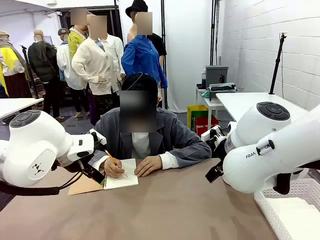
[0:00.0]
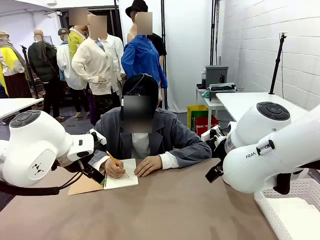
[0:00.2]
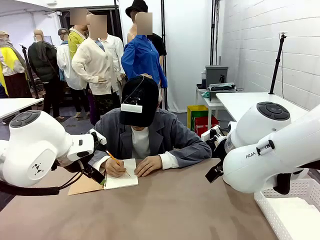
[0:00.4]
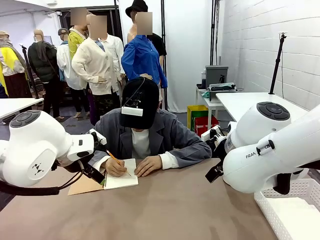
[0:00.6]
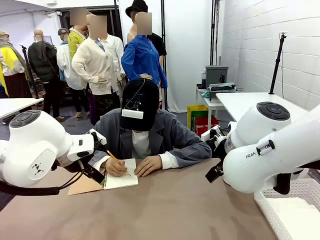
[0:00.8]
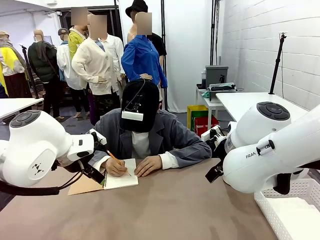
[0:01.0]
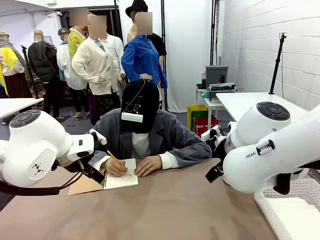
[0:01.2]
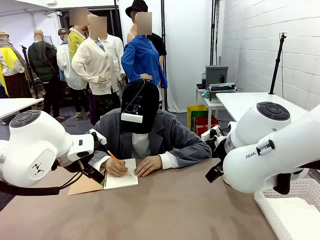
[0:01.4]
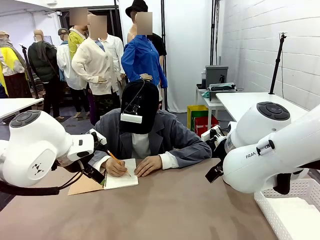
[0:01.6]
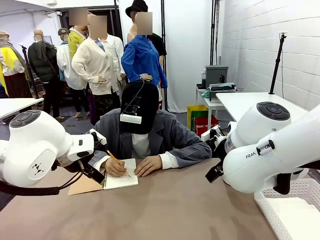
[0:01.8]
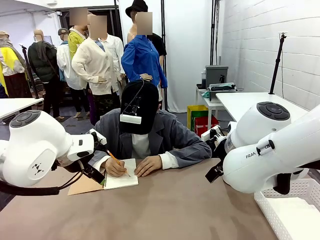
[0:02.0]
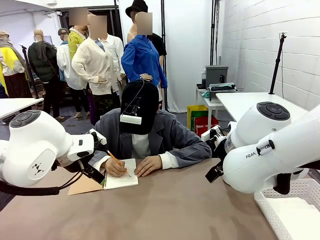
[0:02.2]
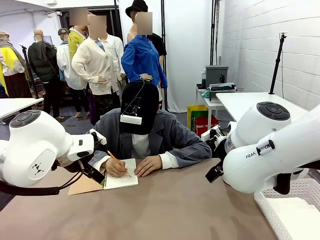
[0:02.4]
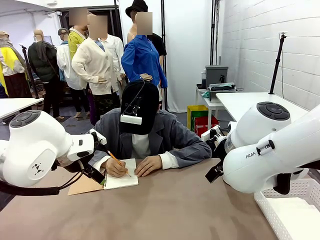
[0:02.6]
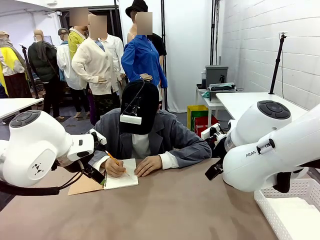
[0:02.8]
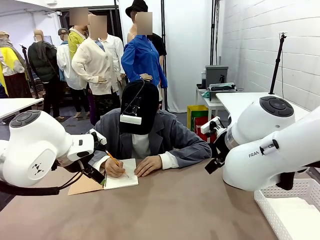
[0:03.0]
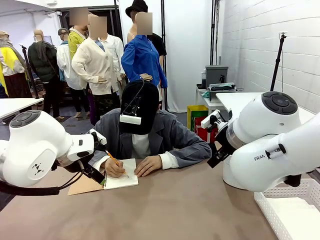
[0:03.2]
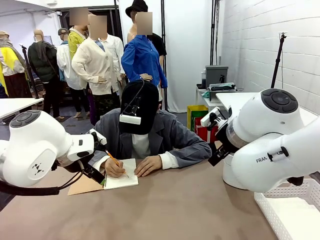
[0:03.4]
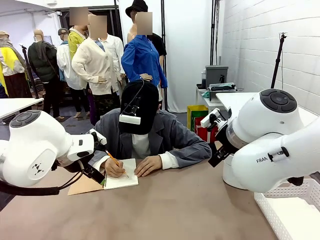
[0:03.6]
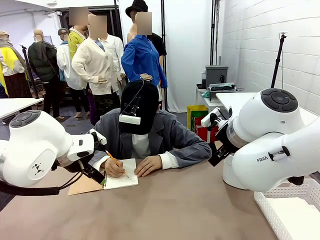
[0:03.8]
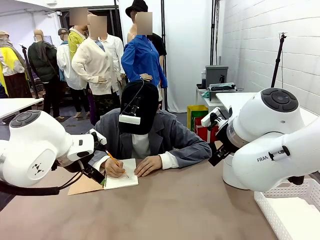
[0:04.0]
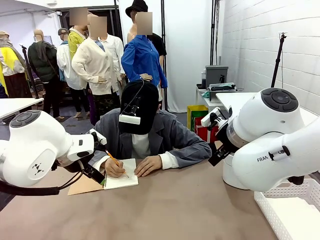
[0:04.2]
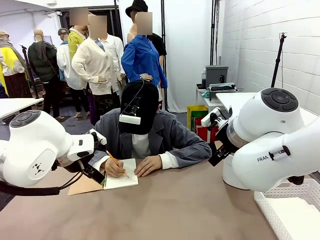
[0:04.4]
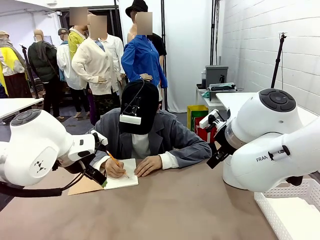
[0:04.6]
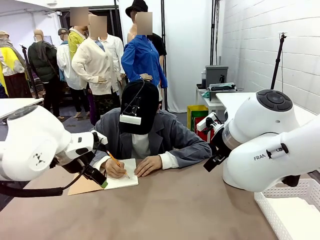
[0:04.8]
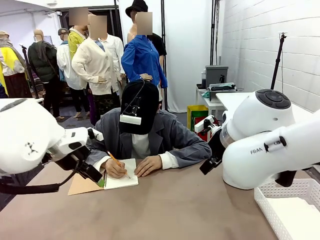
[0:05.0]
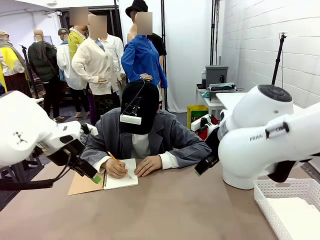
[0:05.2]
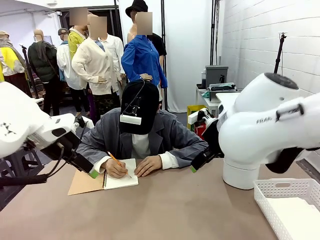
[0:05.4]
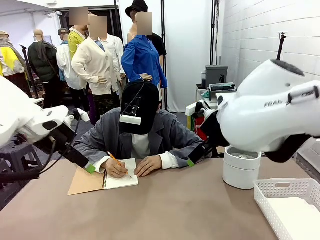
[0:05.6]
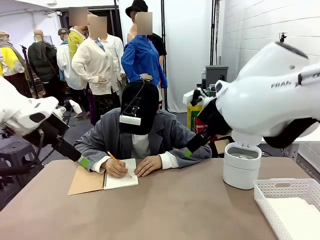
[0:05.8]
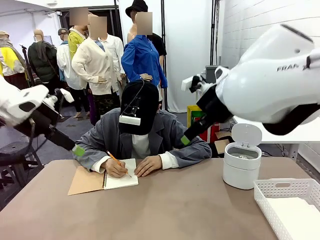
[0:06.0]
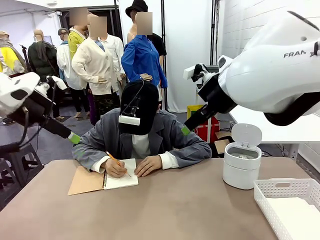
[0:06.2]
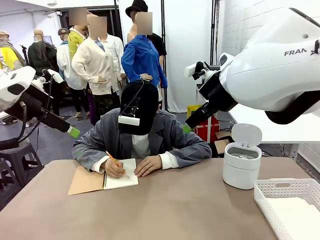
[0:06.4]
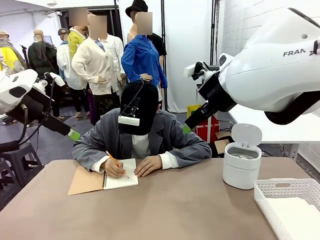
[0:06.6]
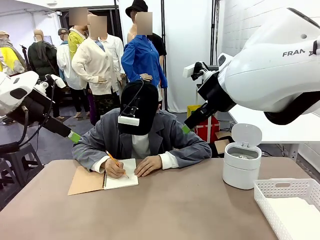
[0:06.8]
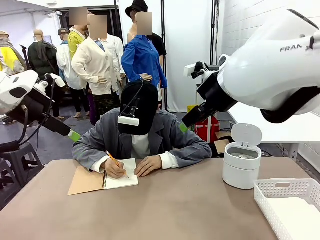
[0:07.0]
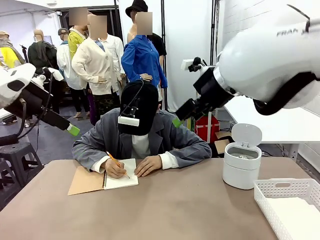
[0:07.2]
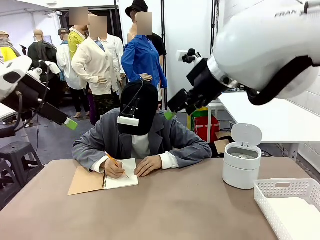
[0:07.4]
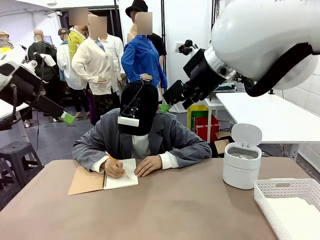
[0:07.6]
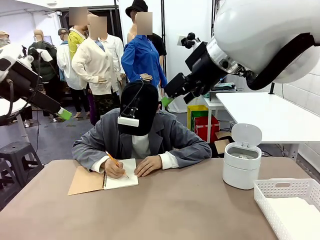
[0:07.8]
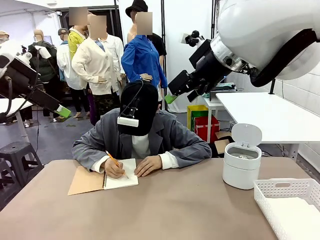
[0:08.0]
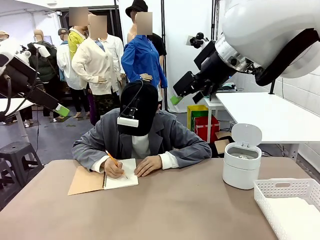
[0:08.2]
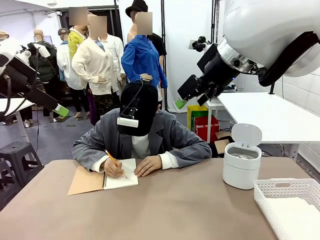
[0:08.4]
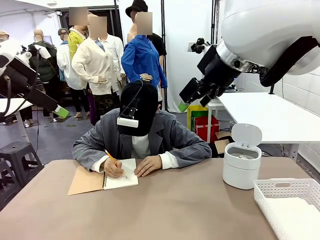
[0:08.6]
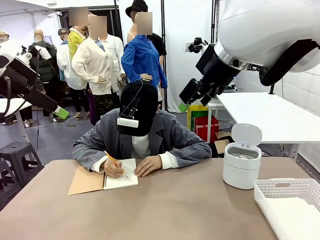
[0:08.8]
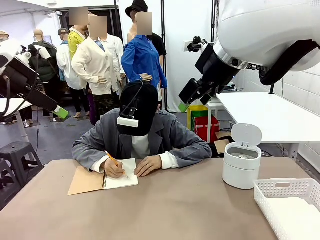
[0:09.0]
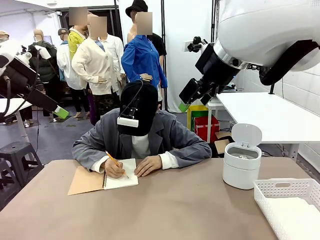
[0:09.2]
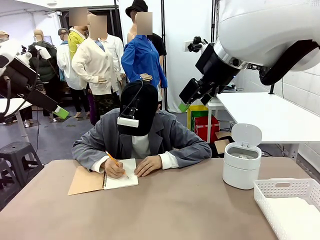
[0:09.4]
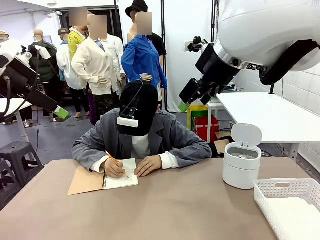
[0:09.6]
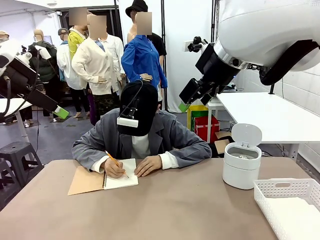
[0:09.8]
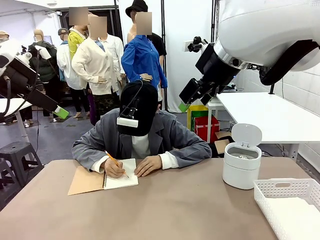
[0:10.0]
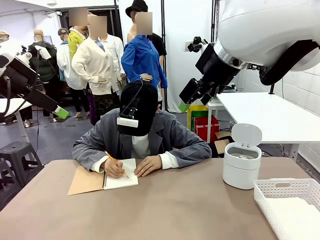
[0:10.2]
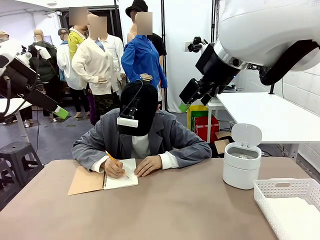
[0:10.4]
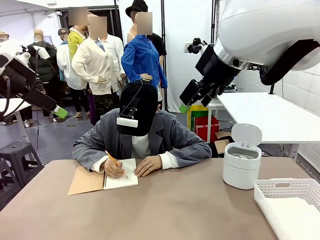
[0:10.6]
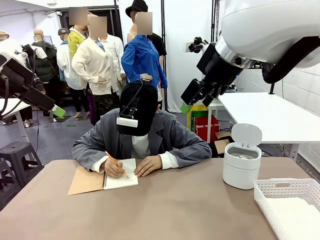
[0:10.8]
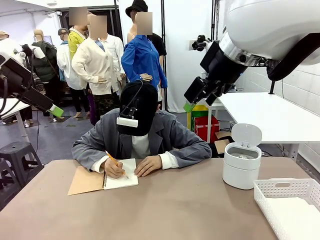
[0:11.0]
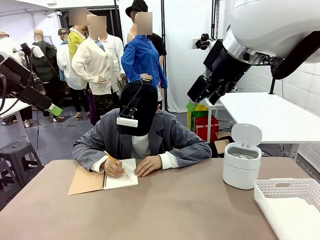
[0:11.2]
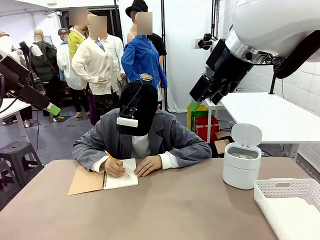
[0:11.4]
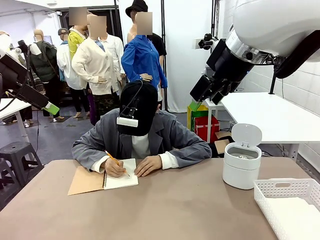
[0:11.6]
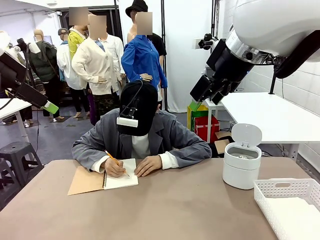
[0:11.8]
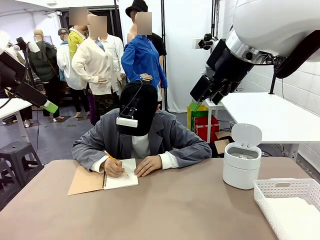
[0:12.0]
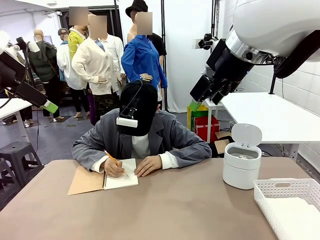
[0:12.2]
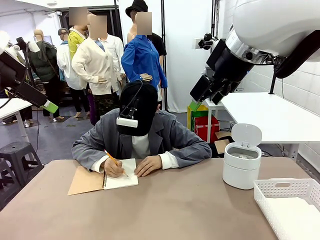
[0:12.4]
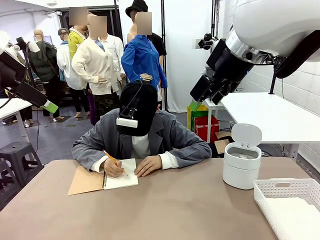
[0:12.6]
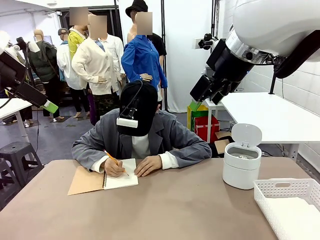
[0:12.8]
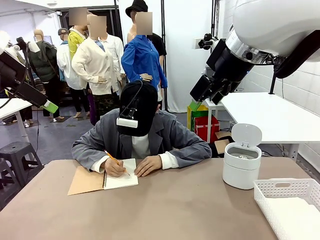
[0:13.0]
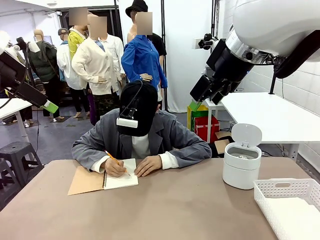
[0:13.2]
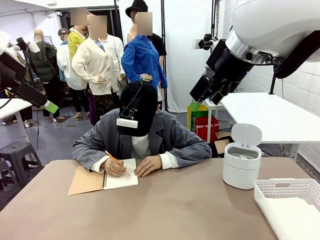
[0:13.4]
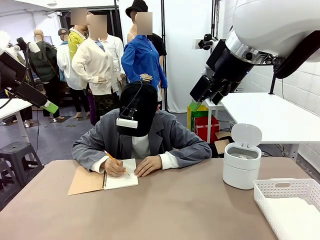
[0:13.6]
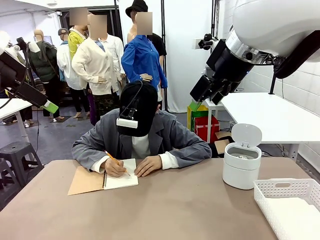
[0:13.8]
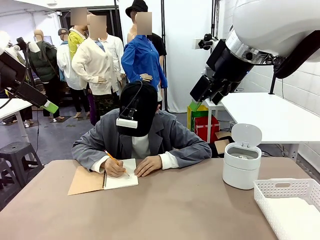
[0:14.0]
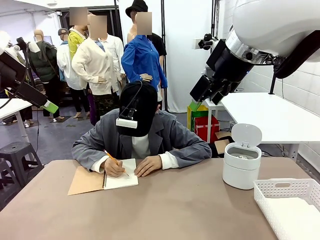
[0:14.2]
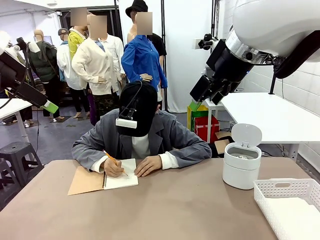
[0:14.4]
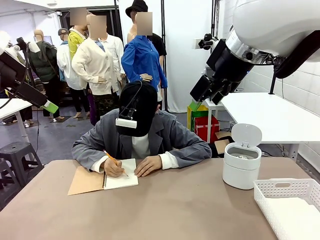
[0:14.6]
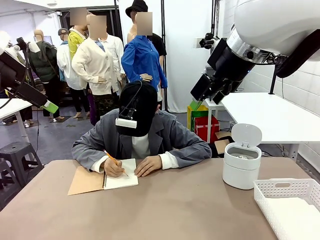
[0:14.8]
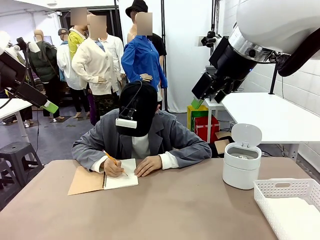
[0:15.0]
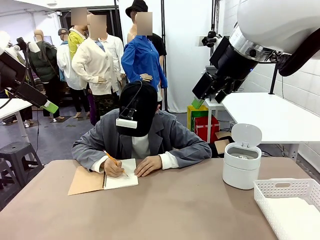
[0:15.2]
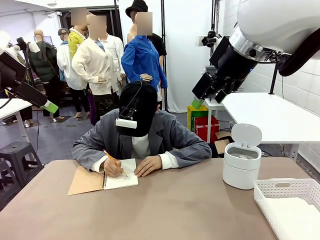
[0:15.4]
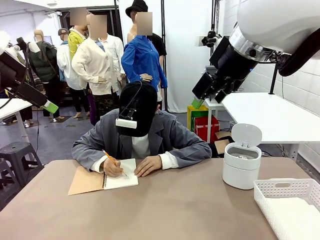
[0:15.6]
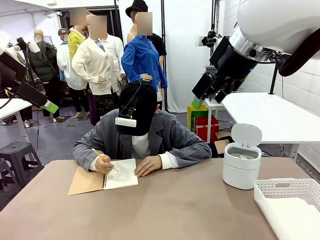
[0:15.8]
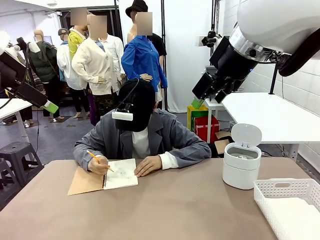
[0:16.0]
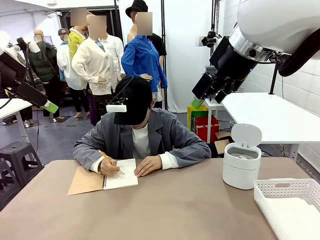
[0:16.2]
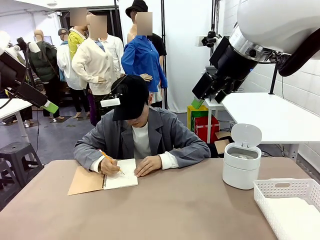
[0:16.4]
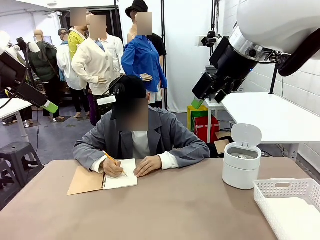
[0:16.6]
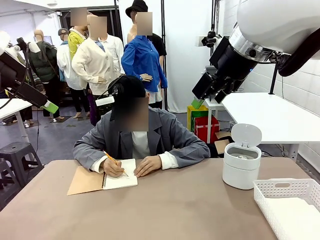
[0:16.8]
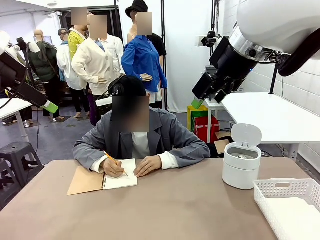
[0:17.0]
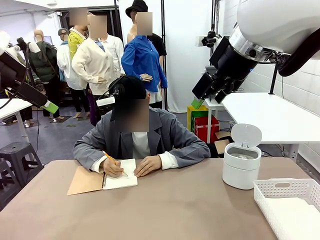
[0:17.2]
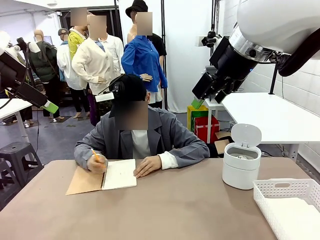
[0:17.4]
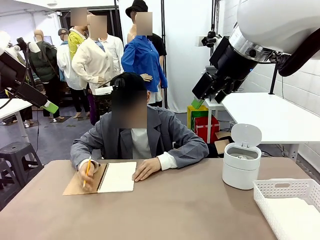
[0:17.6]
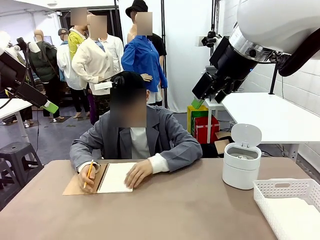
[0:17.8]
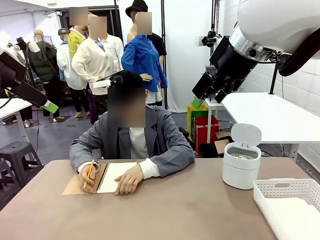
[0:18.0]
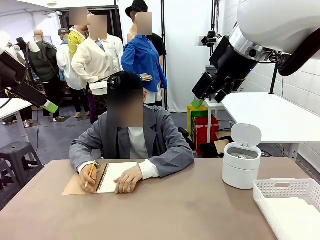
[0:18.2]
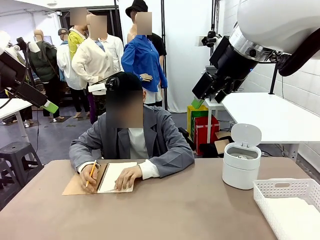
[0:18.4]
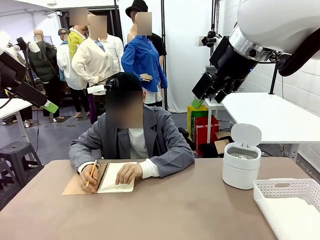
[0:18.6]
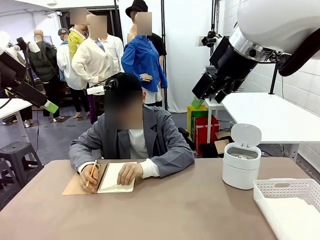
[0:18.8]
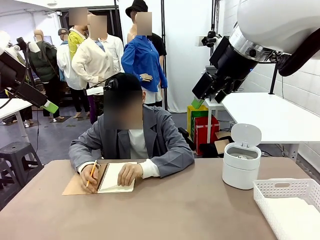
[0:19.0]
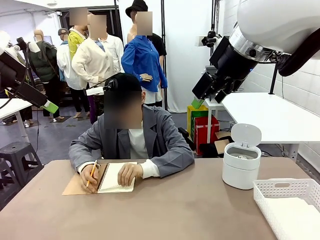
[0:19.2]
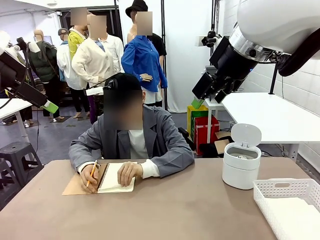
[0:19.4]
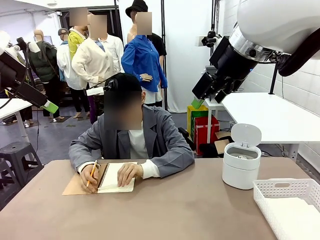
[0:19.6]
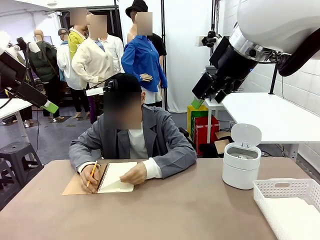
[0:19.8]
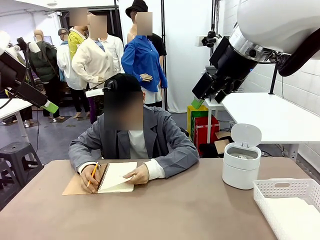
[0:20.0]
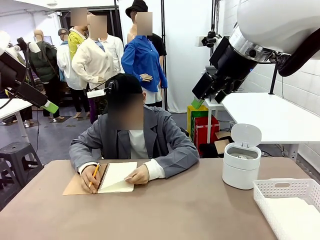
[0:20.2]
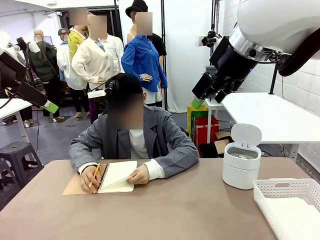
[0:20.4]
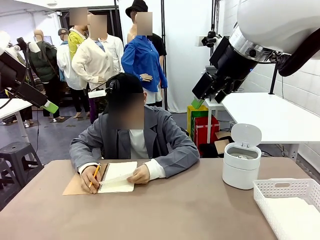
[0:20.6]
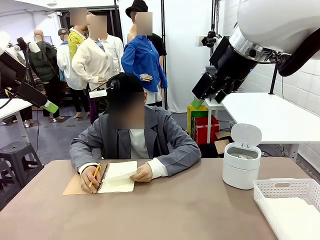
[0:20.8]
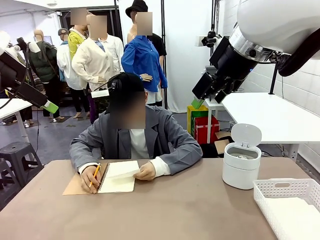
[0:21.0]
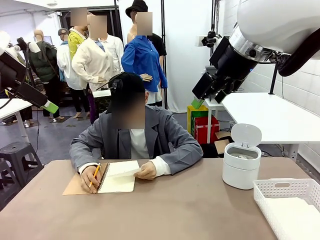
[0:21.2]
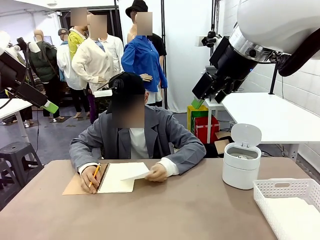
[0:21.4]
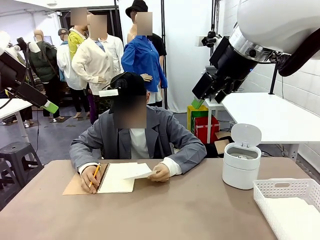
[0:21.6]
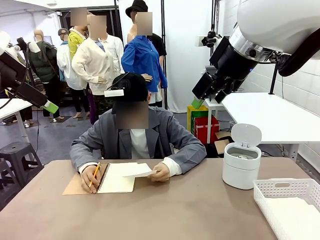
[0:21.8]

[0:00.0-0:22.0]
Task: Sort the paper based on its condition.
Robot: If a person hands you a paper, place it in the Organizing basket , and if it's crumpled, put it in the Trash can.
Person: Tear out a page from the spiral notebook.
